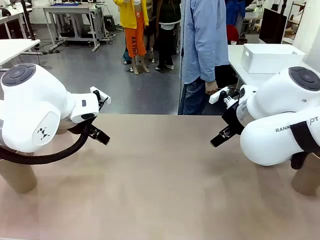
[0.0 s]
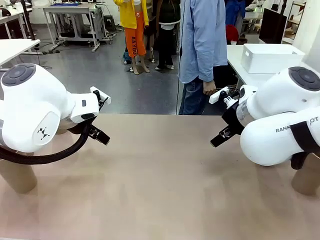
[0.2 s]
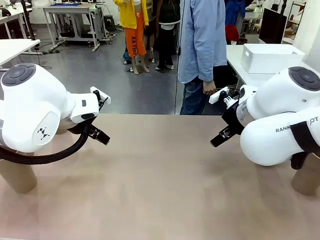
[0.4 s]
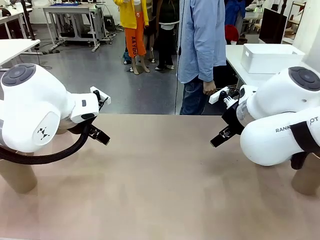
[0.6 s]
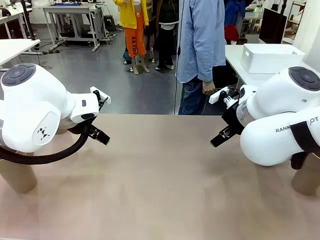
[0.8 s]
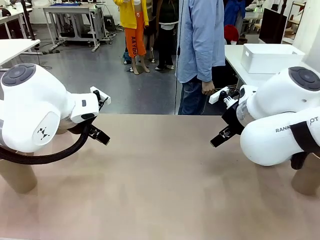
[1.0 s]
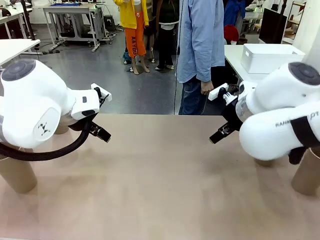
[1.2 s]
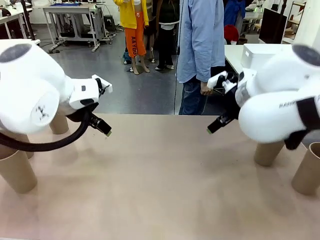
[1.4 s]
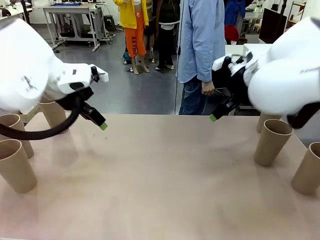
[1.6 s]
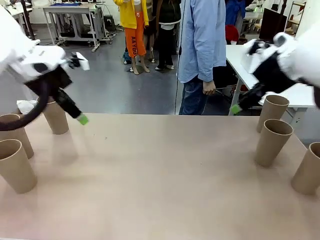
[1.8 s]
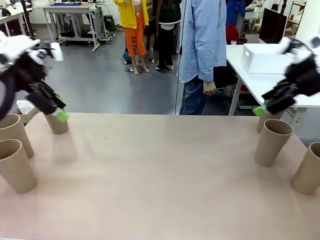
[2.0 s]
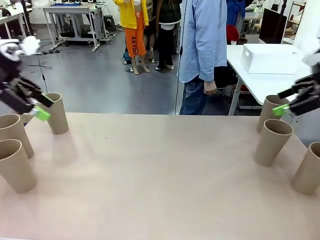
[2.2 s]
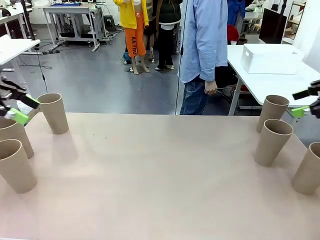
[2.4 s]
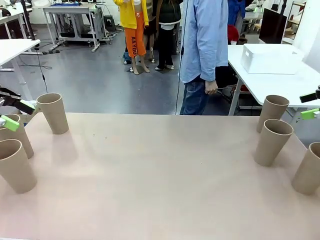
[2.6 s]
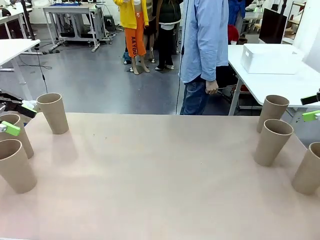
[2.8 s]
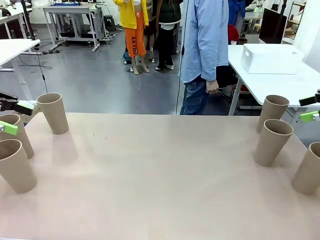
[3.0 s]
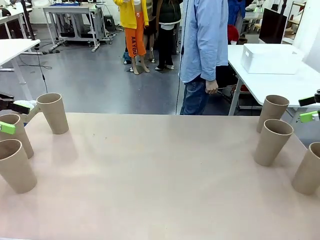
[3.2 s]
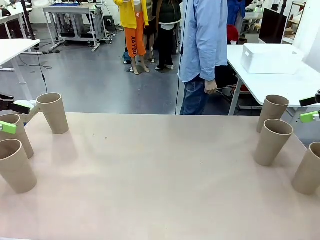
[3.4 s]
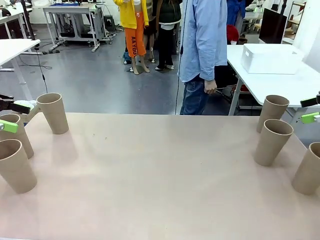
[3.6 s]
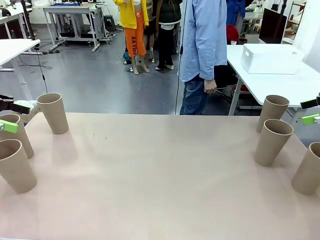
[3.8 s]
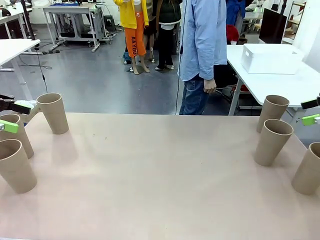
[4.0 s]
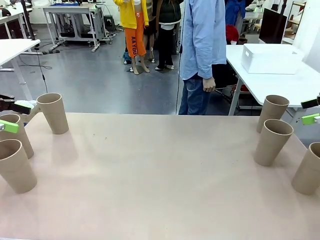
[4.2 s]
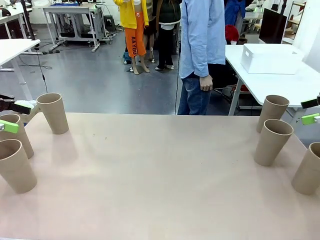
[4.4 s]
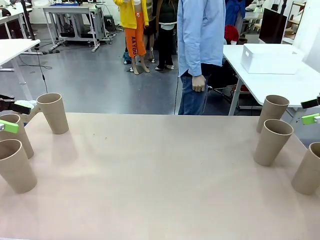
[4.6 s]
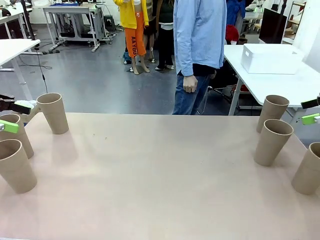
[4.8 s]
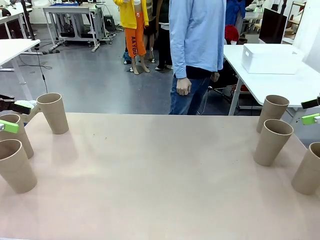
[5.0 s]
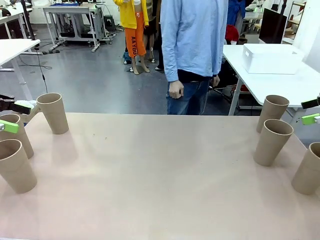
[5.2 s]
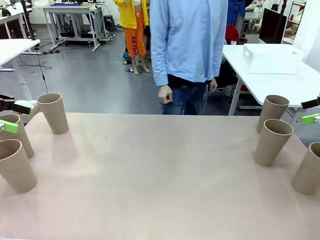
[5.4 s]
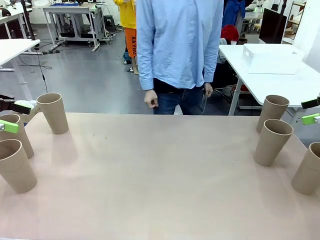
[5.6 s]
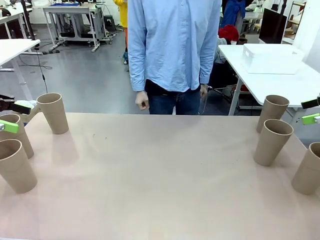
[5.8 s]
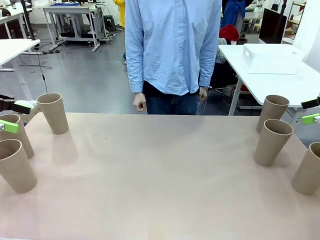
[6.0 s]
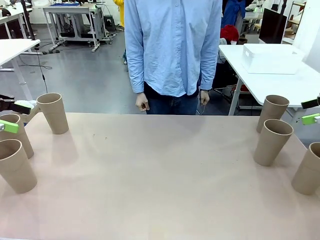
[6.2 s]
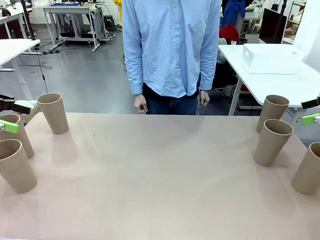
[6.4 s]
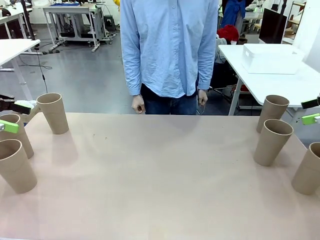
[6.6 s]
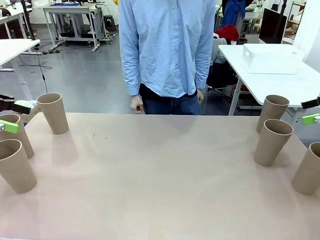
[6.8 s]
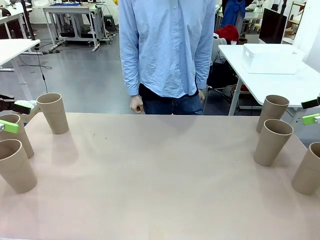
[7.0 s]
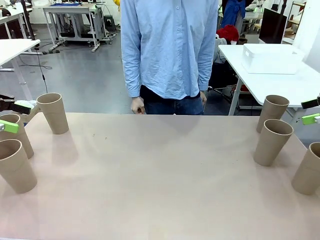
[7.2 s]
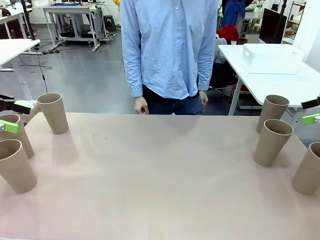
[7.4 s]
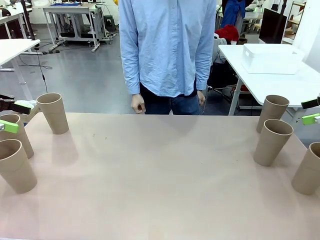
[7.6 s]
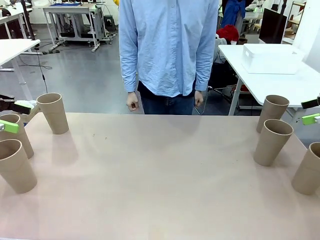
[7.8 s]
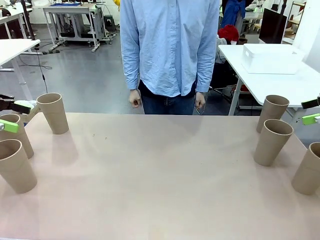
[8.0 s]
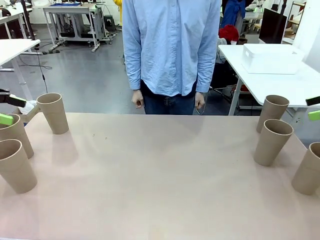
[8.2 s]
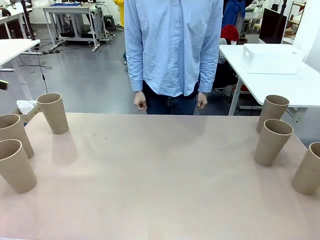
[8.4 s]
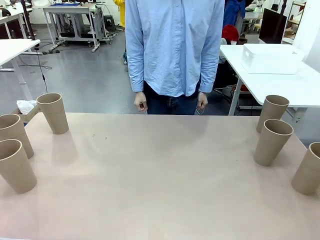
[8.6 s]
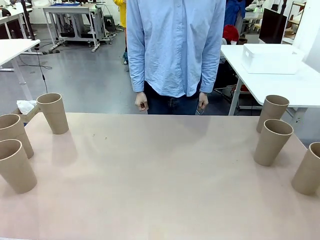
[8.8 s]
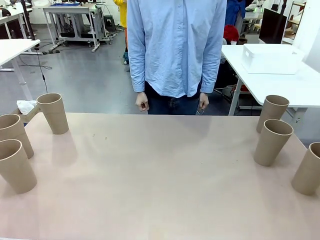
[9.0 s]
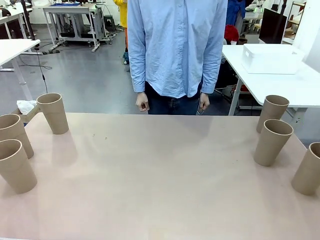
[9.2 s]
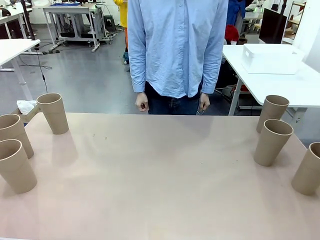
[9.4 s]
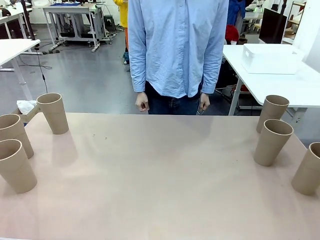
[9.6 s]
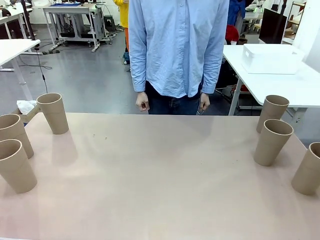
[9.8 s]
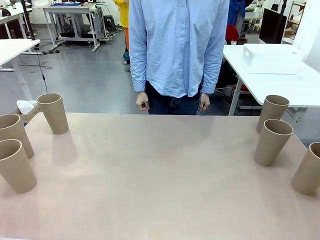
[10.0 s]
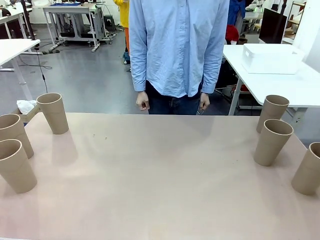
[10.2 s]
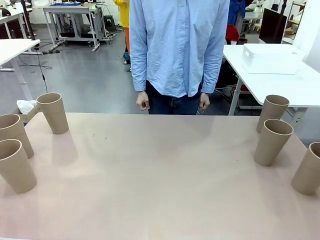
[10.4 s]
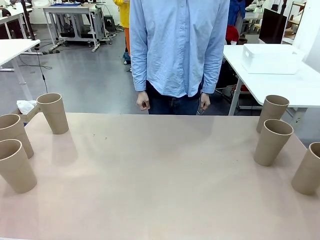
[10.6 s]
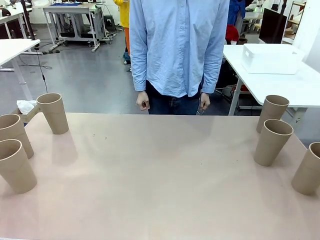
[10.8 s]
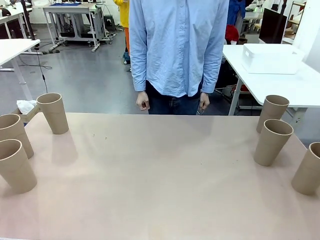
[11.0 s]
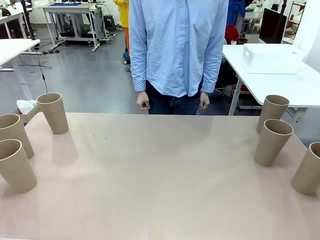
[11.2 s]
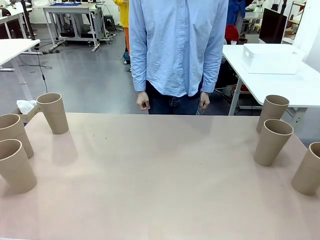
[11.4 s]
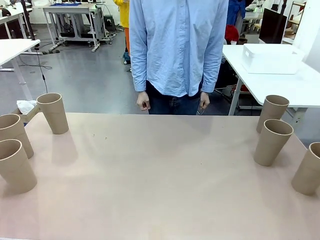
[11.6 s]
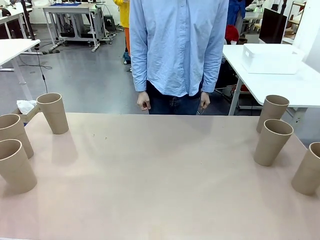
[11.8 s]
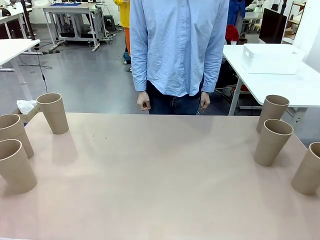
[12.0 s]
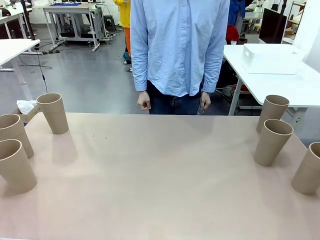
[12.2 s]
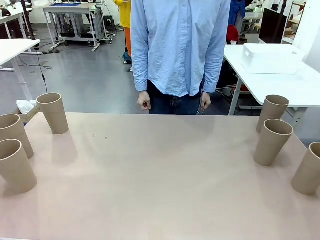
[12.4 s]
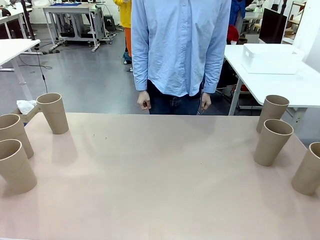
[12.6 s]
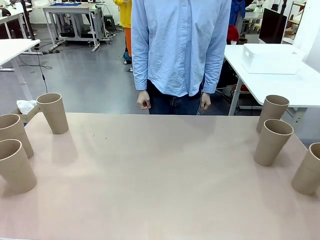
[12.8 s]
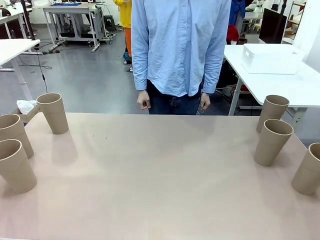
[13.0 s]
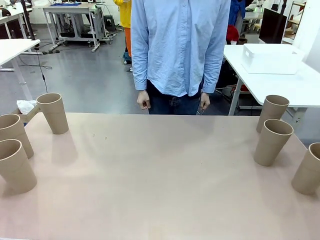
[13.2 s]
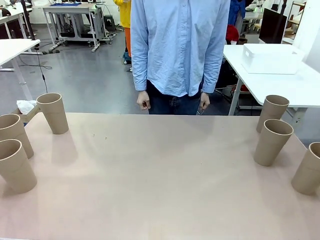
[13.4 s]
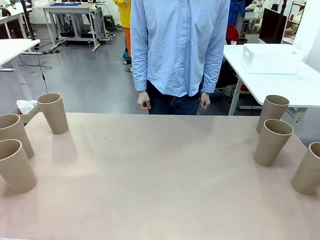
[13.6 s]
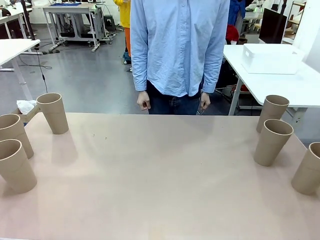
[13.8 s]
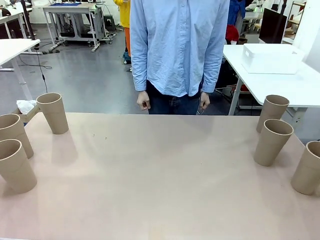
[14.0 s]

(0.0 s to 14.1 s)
Task: Stack the cups and store them in the basket.
Robot: Pick up two Reusable plastic cups , one in each hand.
Person: Move from the Human Table to the front of the Robot Table.
